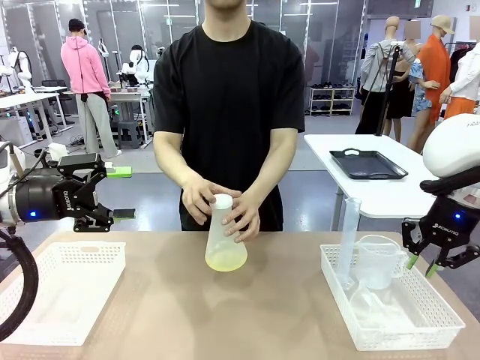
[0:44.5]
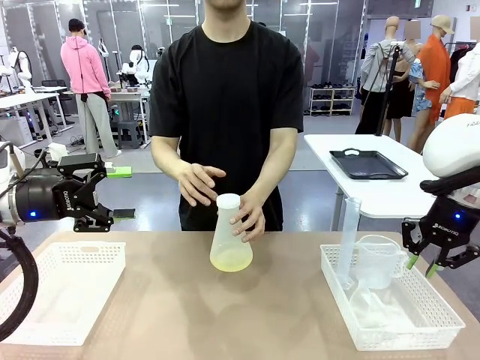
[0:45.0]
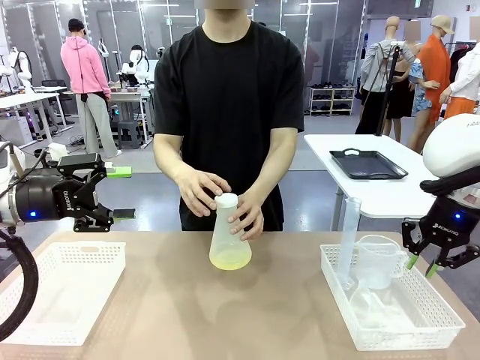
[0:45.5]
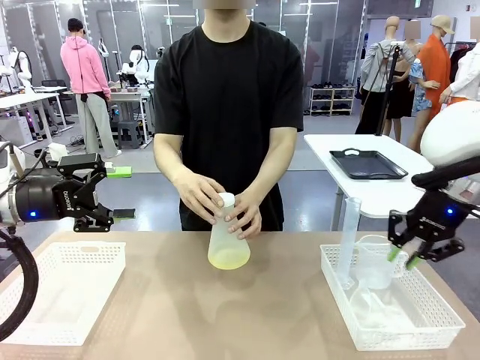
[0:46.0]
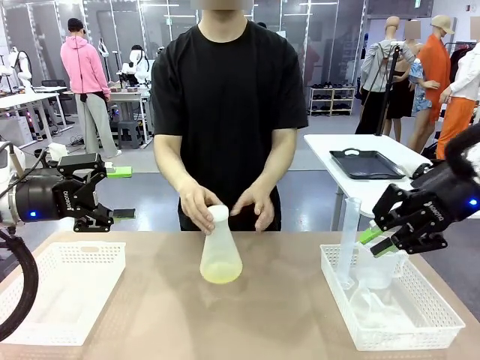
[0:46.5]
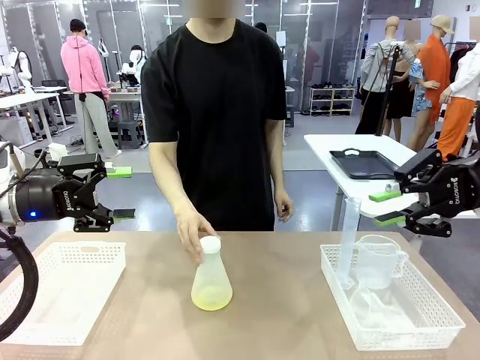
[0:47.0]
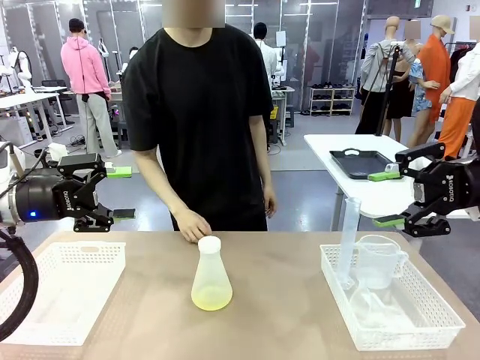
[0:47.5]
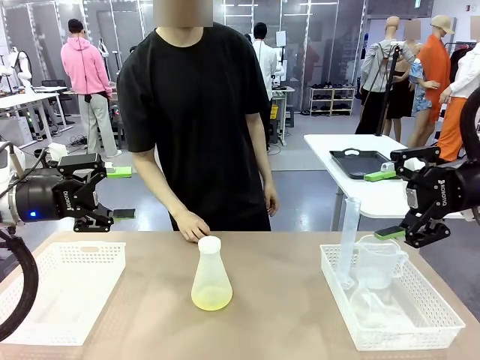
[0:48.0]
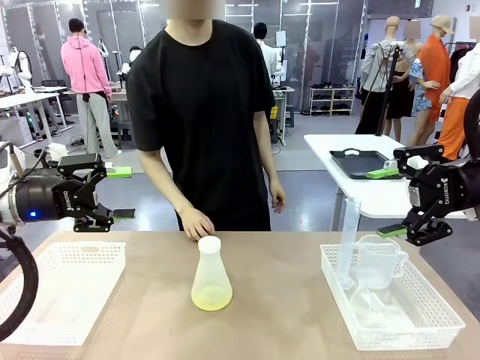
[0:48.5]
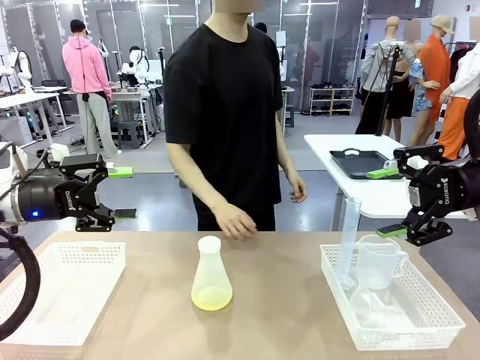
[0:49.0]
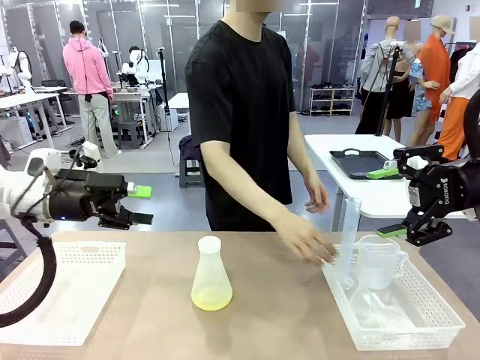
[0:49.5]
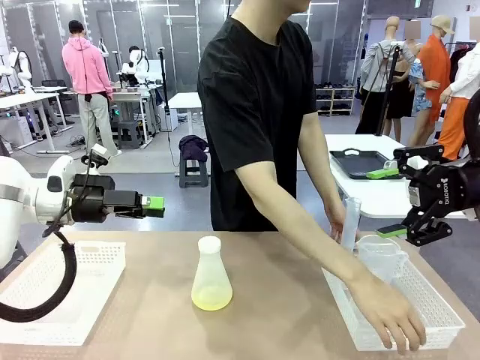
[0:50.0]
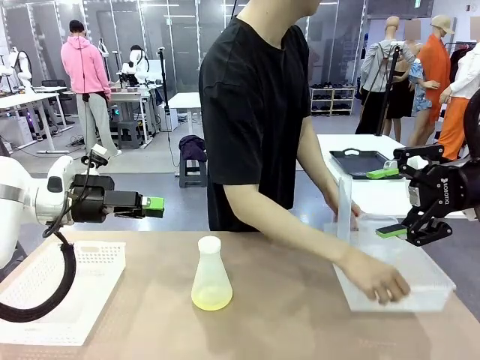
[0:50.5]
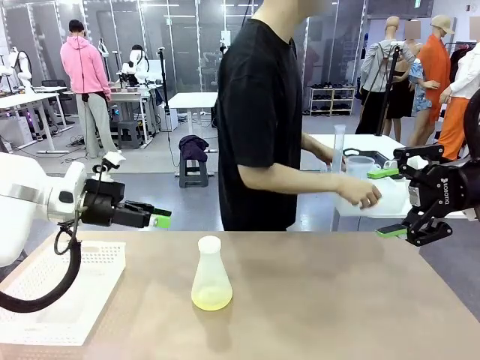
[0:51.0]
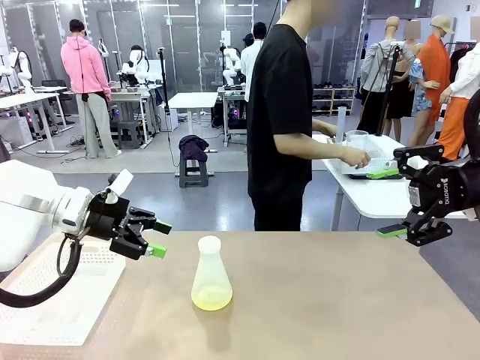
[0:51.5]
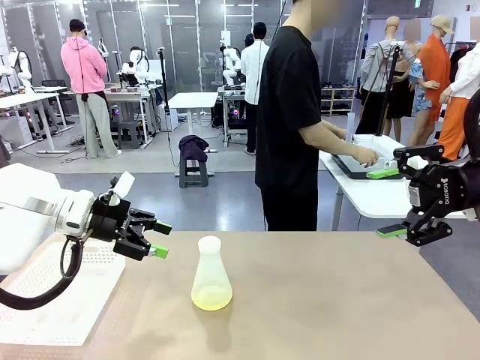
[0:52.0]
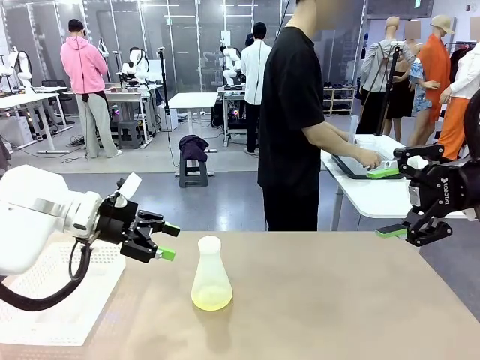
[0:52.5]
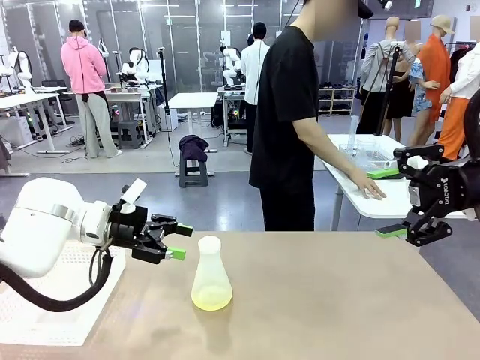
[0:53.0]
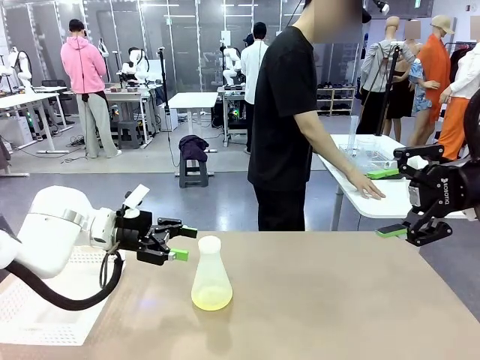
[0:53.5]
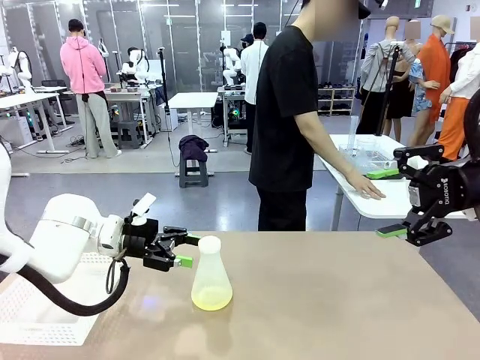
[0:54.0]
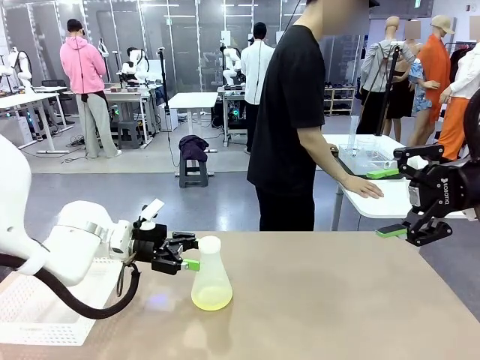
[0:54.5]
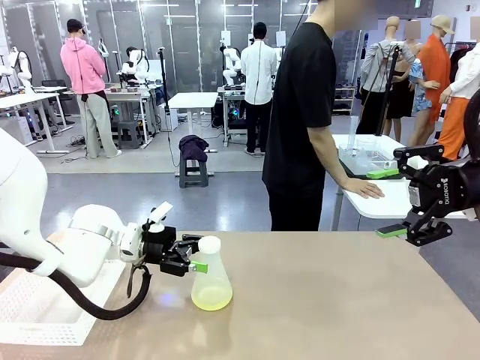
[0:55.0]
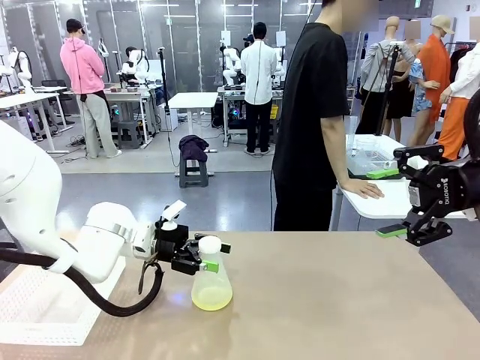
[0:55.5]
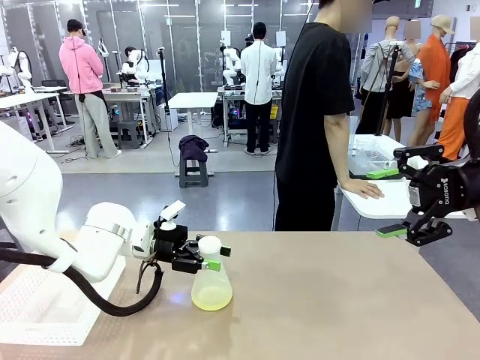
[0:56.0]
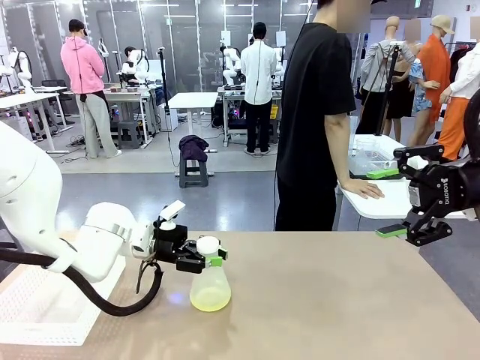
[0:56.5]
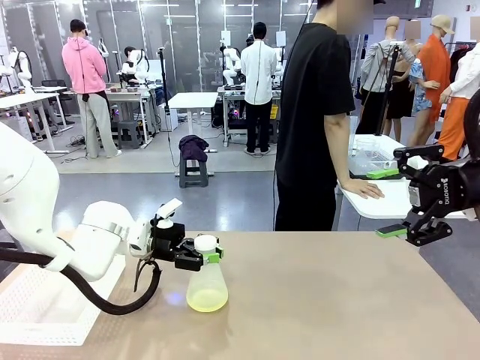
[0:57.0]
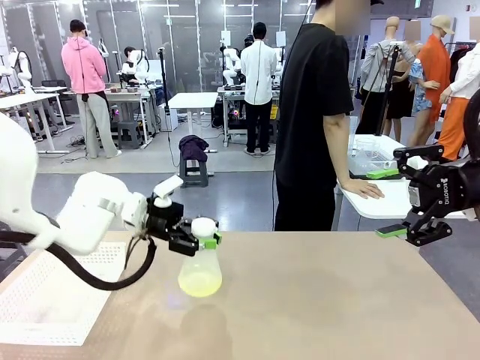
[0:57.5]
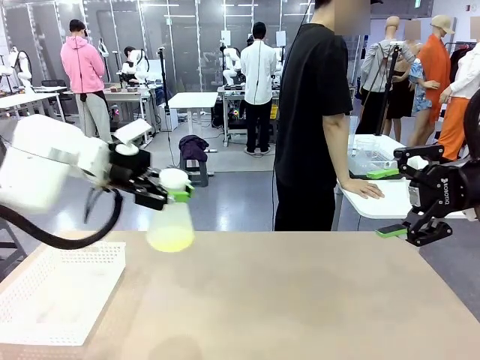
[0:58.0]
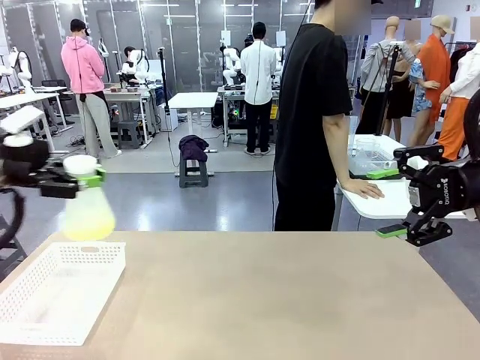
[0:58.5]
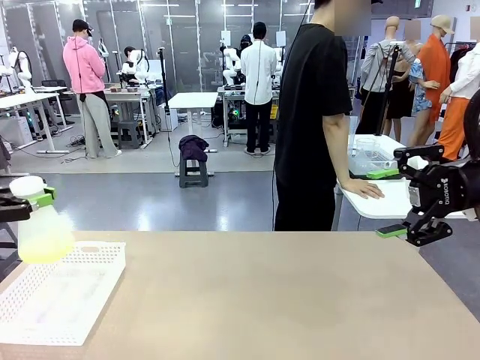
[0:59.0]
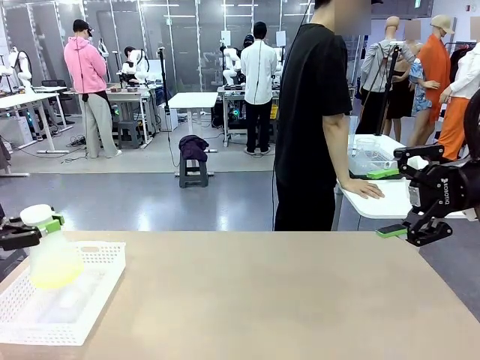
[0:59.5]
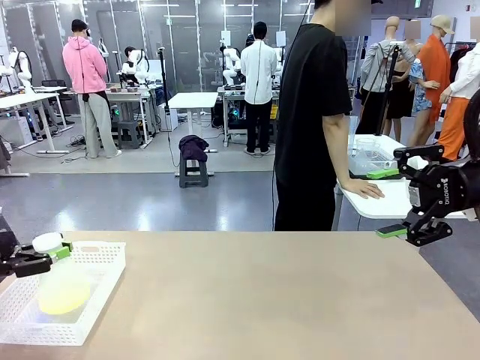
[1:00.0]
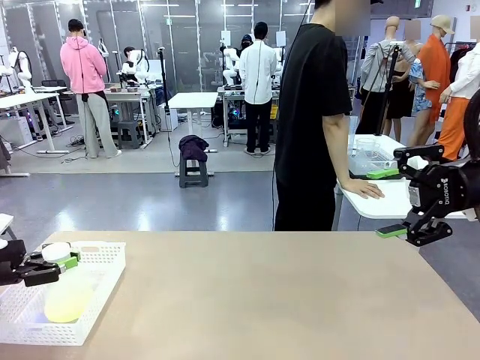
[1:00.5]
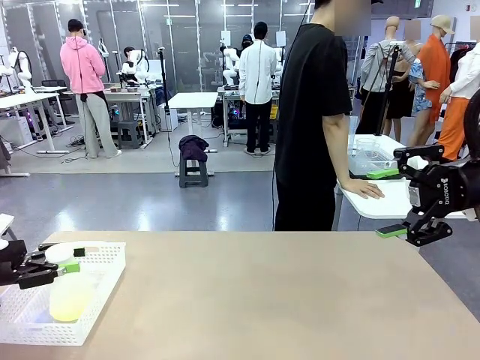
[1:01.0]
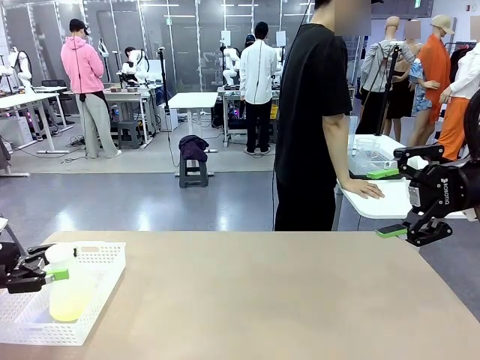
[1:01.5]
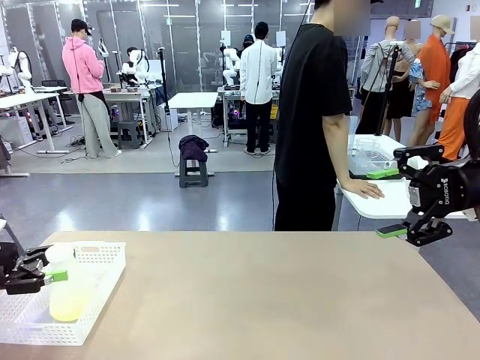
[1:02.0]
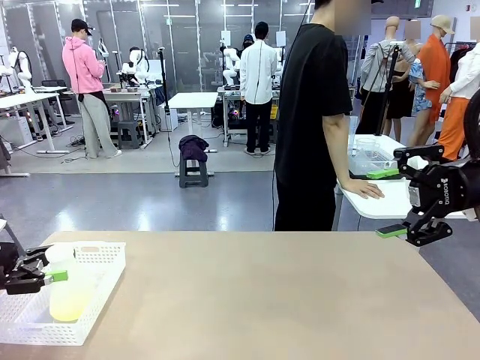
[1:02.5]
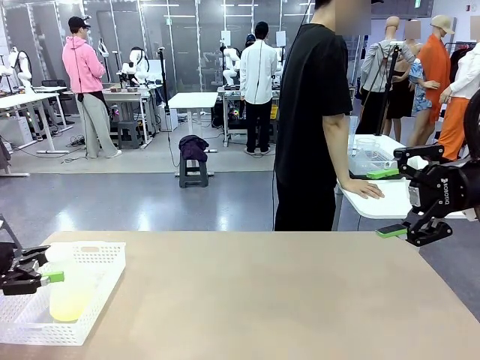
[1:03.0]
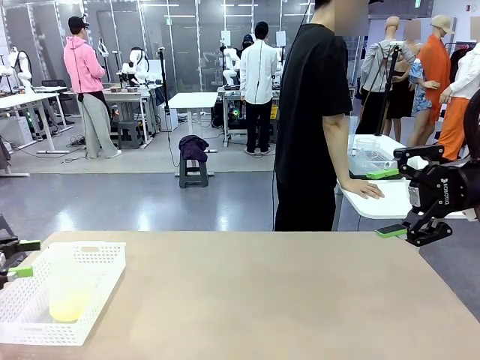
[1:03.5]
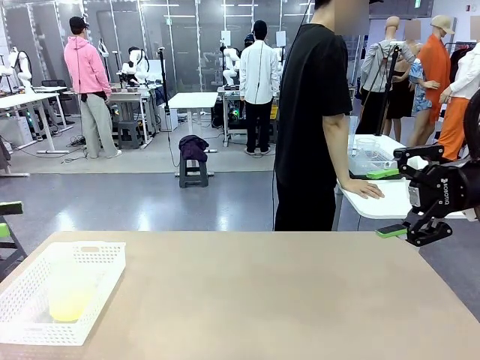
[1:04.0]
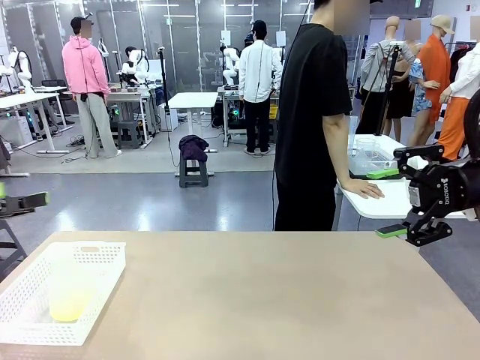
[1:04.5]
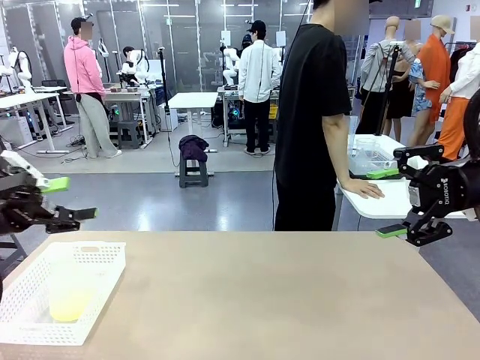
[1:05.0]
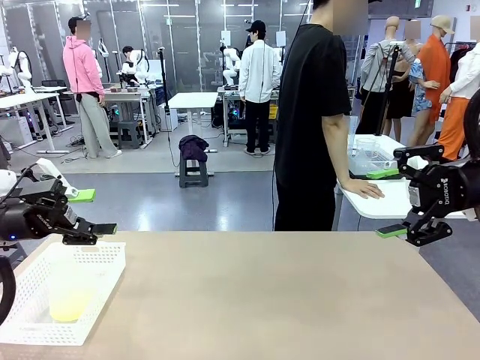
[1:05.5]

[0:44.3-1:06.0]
Task: Prepare the solutions needed for the experiment.
Robot: When the human places the Big flask in the center of the table, pick up the Big flask and place it in the left Organizing basket.
Person: Pick up the organizing basket on the left side of the robot table and place it on the left side of the human table.

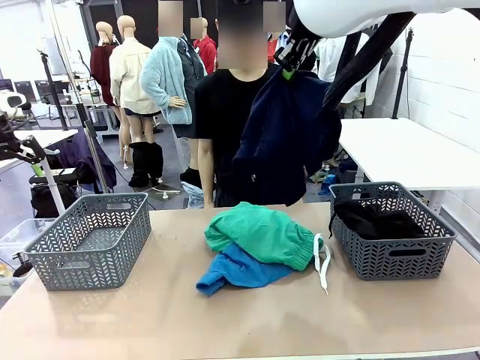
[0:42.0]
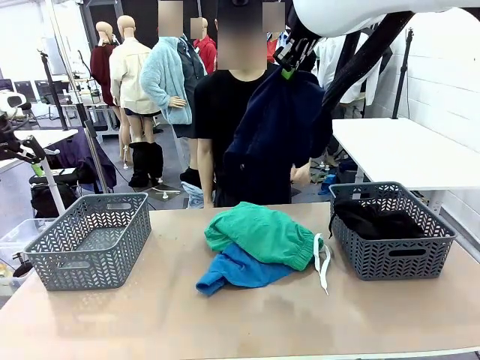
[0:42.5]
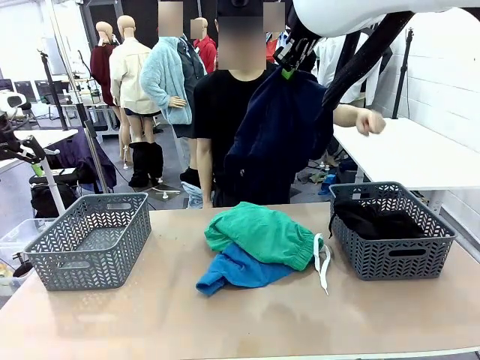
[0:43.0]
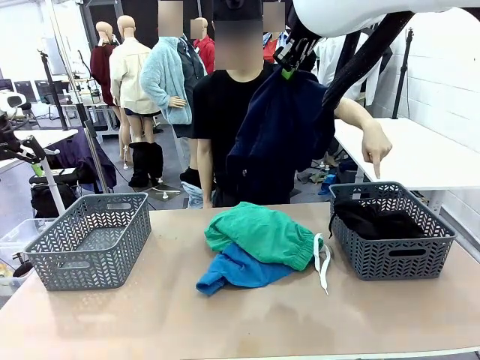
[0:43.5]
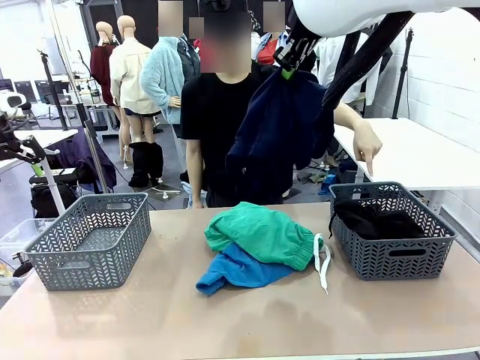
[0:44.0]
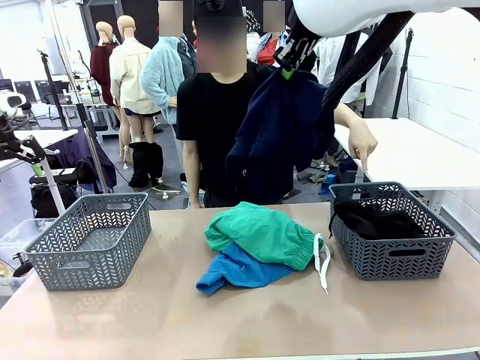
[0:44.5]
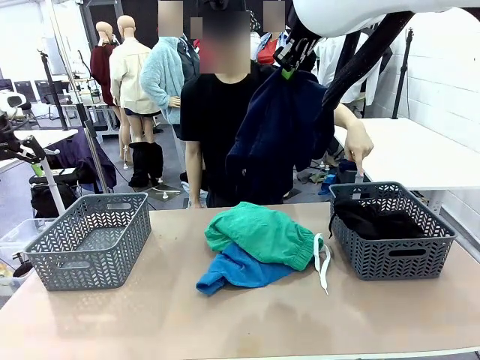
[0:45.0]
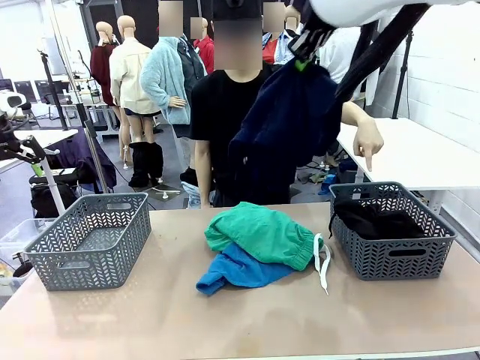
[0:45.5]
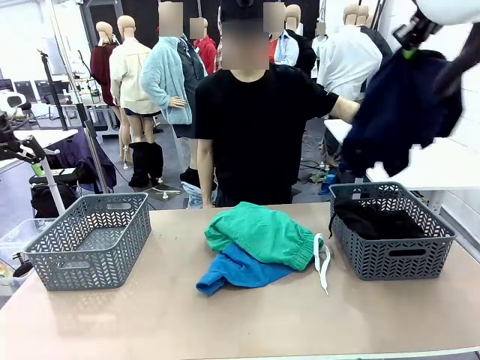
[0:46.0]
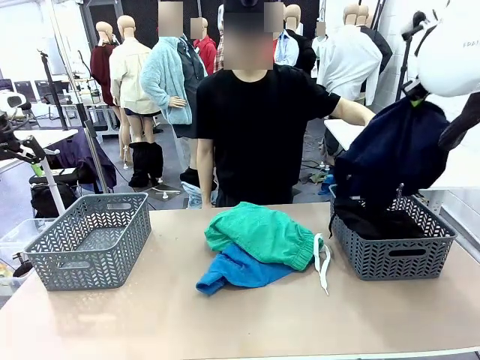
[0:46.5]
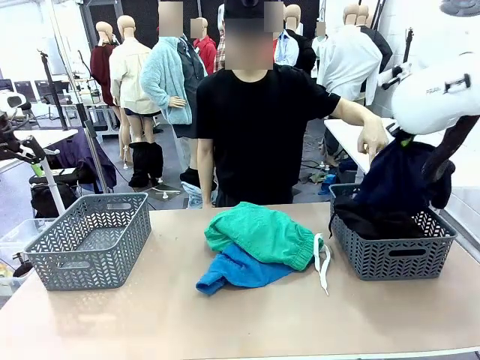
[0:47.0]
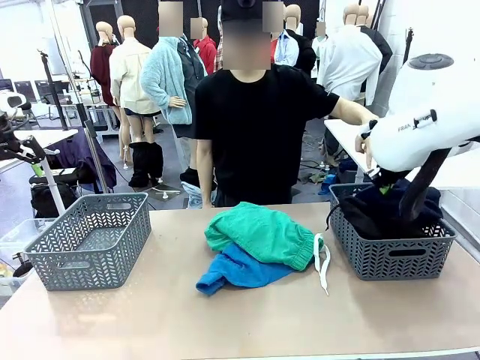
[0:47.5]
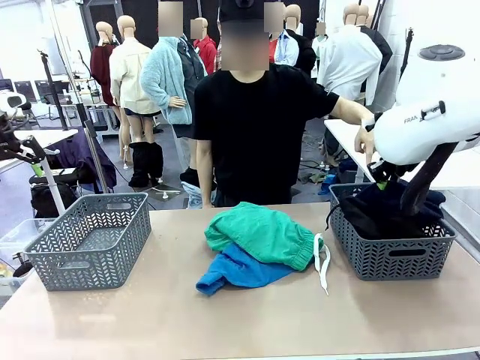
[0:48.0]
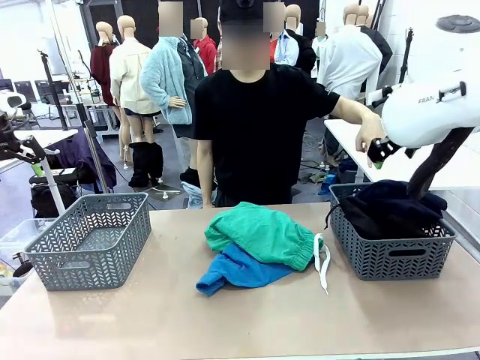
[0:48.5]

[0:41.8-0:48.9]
Task: Sort the tops and bottoms.
Robot: Sort the clothes according to human instructions.
